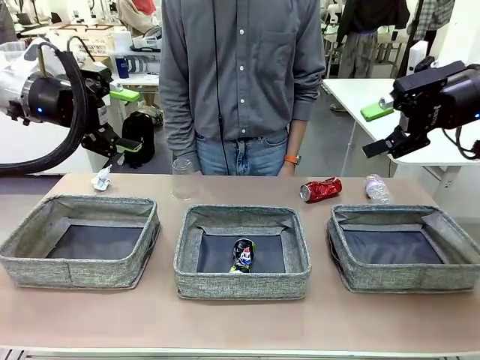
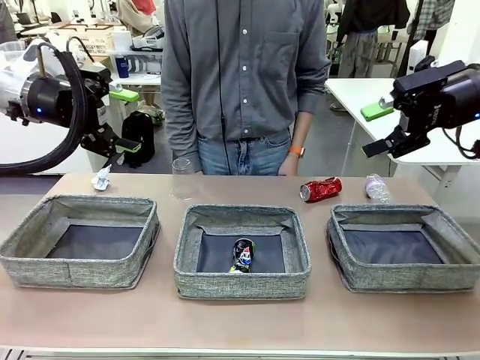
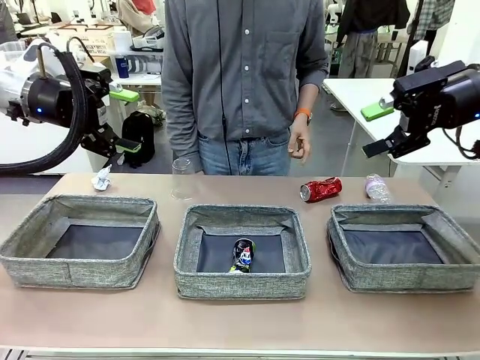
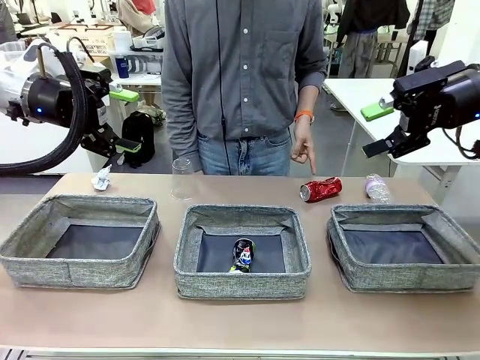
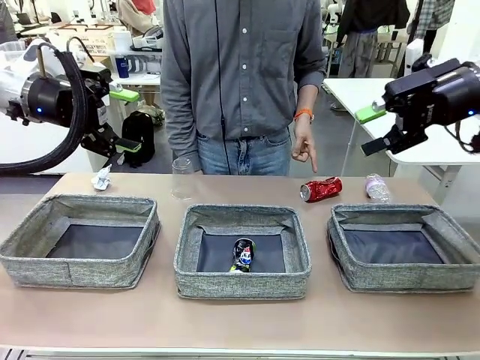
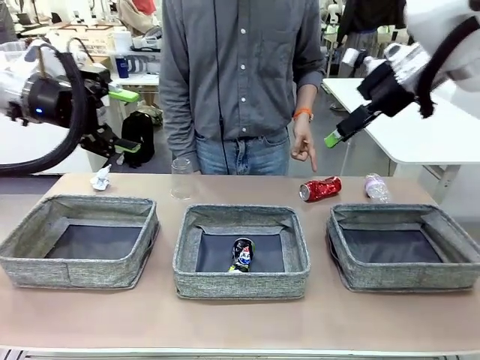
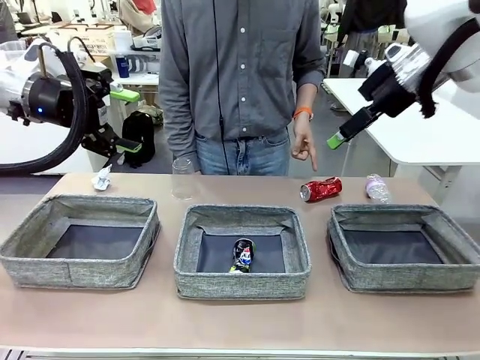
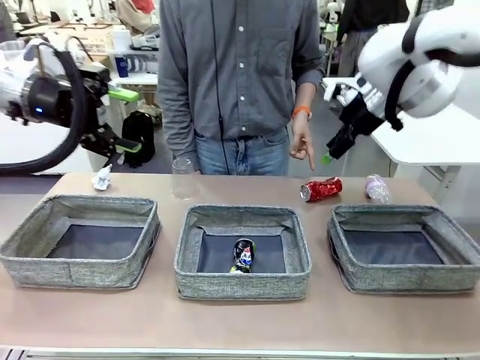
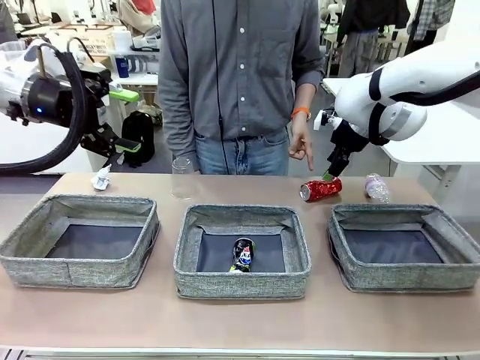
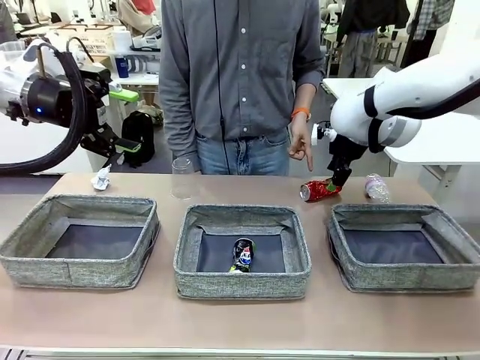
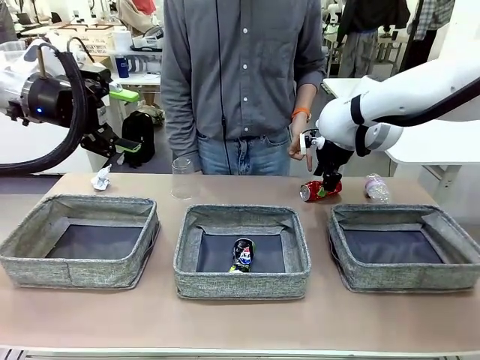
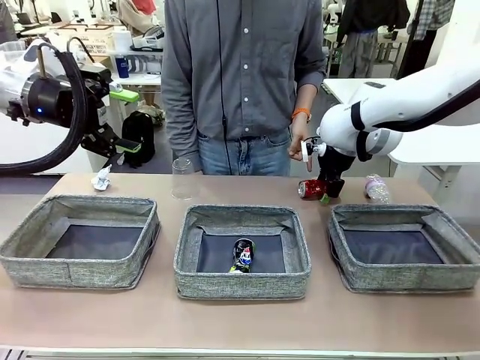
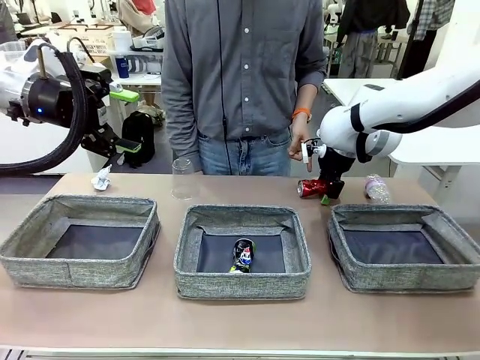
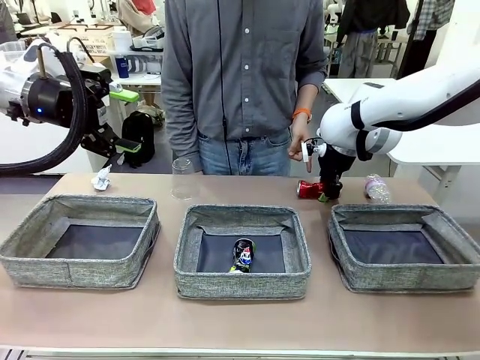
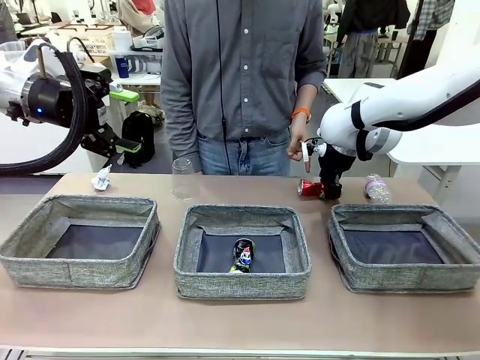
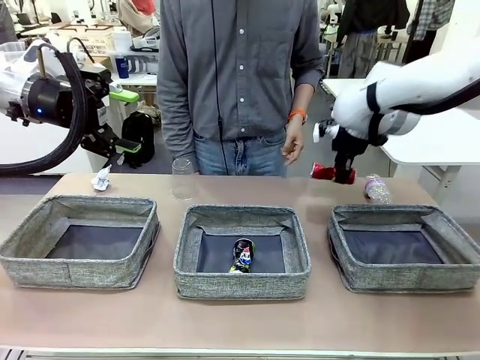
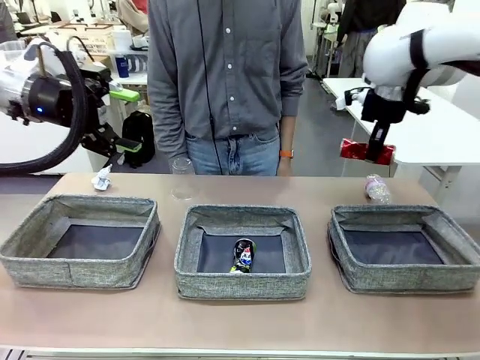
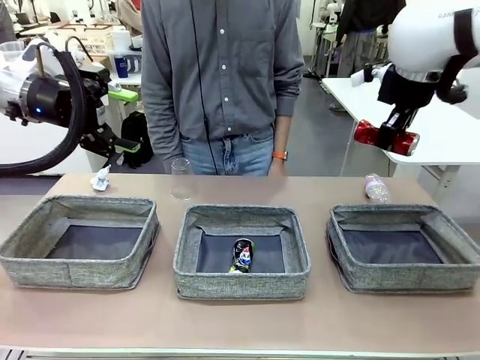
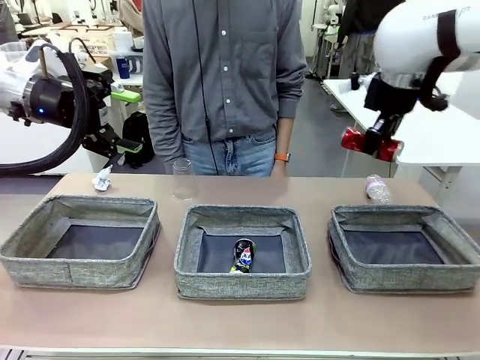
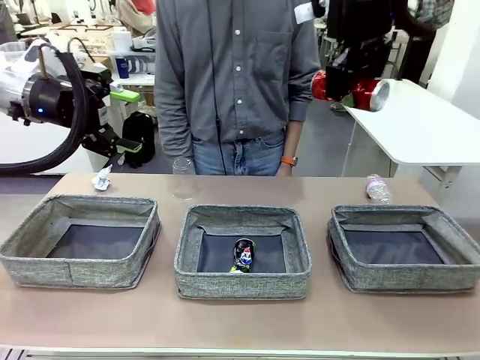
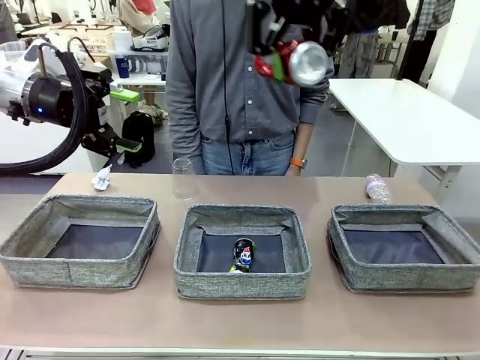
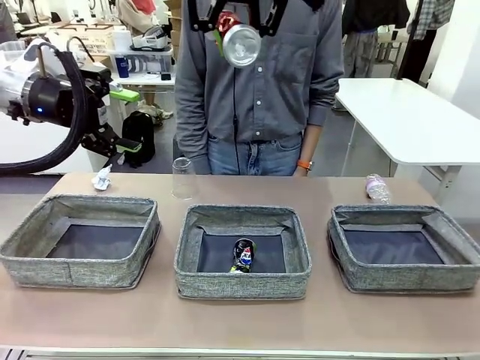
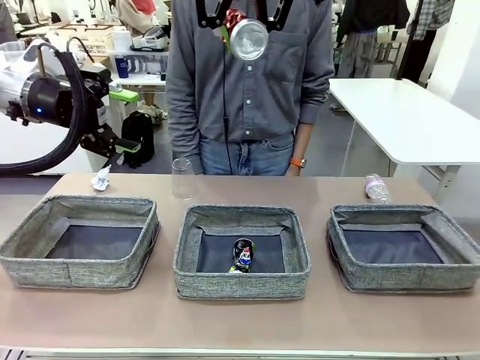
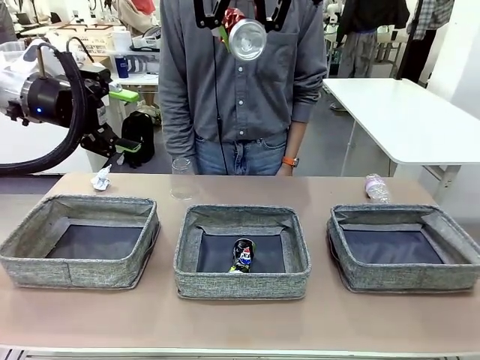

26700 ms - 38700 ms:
Task: Sort the waste into the appropriate baskets.
Robot: Pick up the waste item pointed out by the person.
Person: Points to one piece of trash on the table.

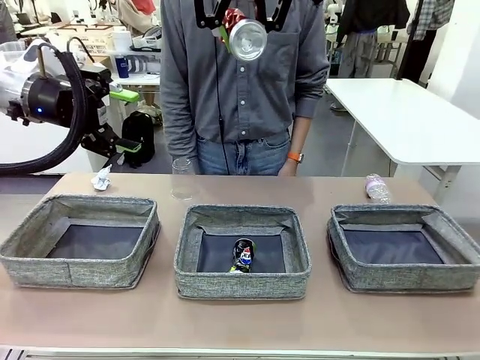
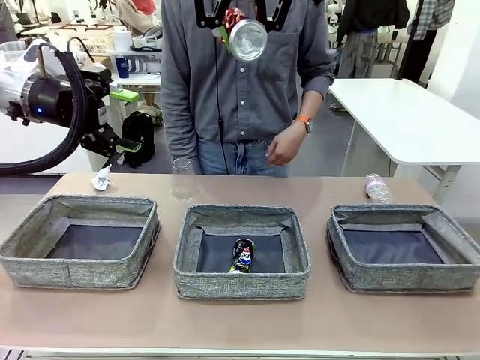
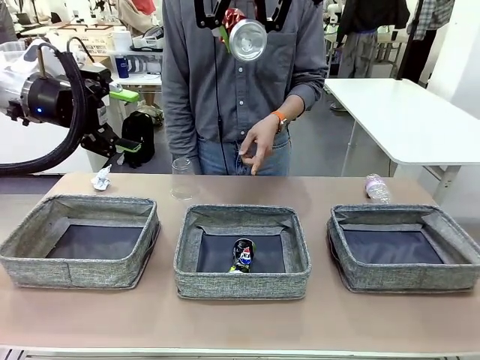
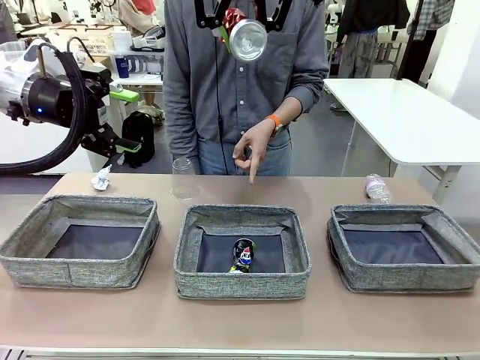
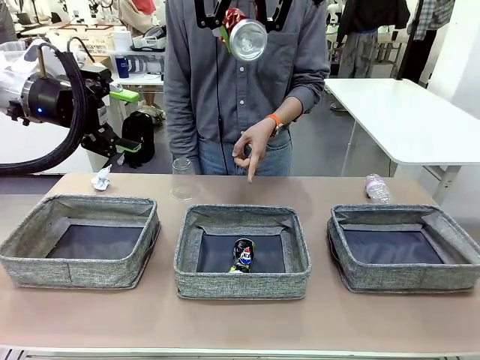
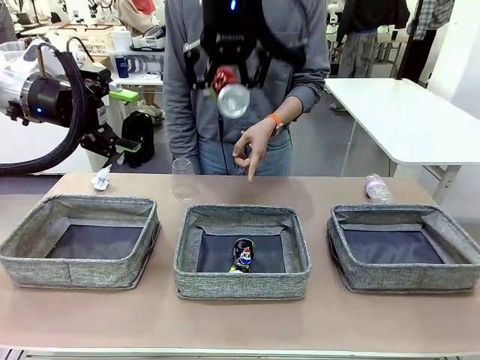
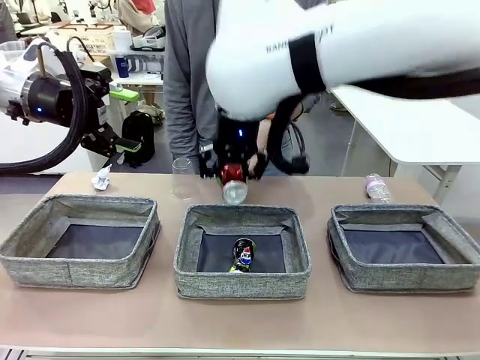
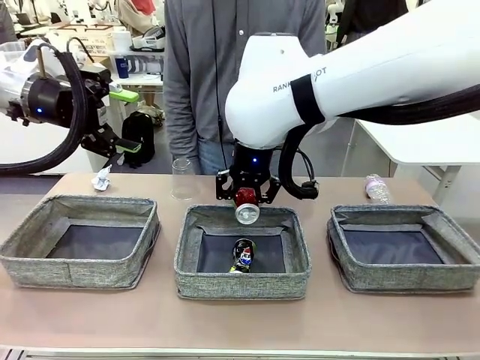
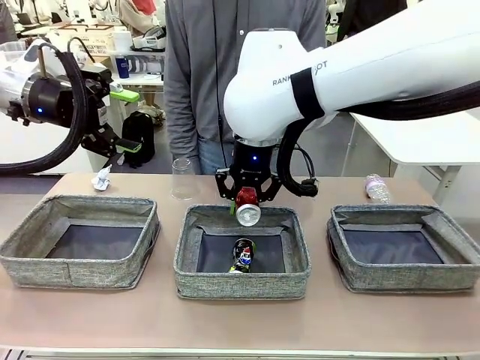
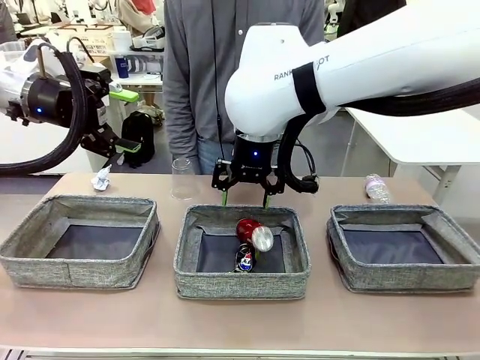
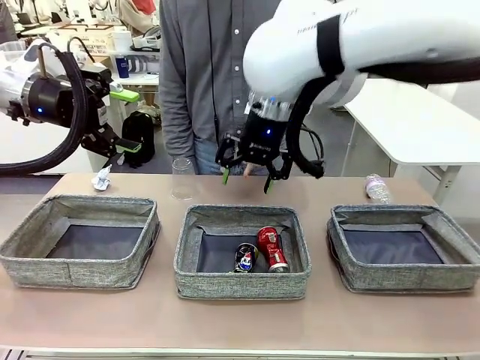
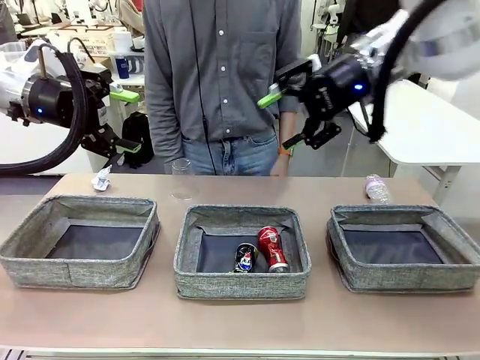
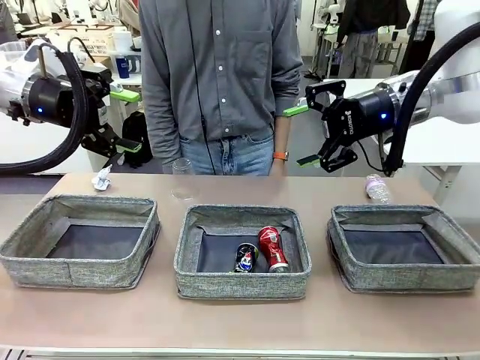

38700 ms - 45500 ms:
Robot: Place the picked waste into the Fabric basket indicated by the person.
Person: Instructs the robot to place the picked-up trash into the appropriate organizing basket.

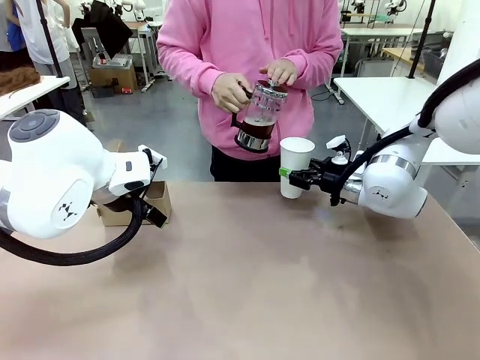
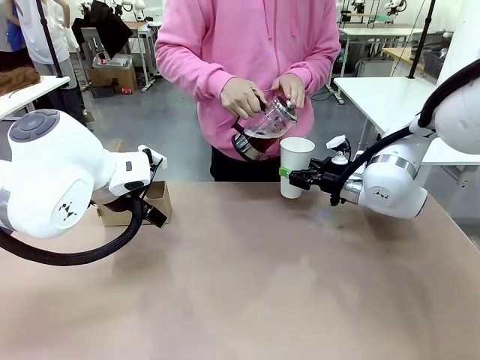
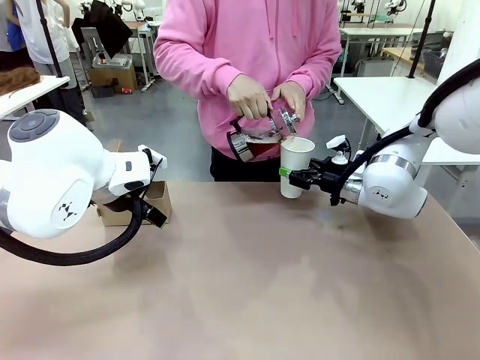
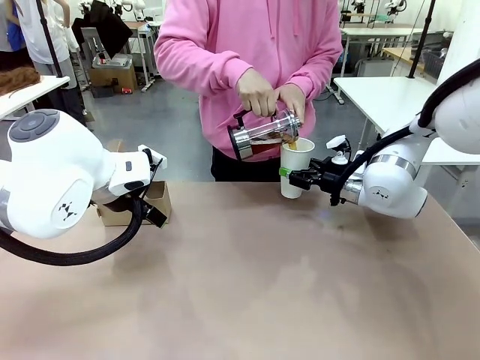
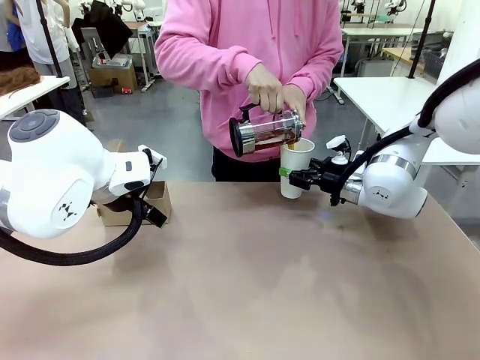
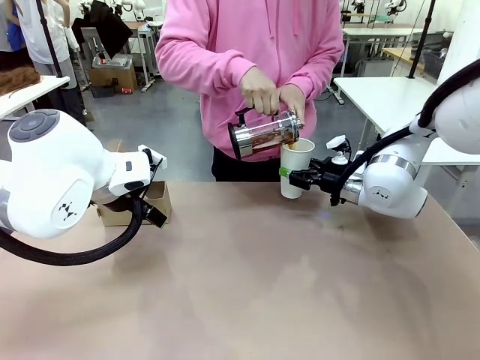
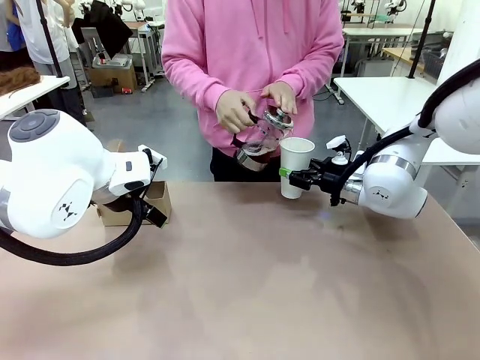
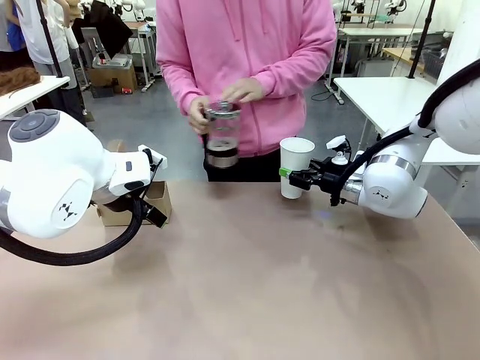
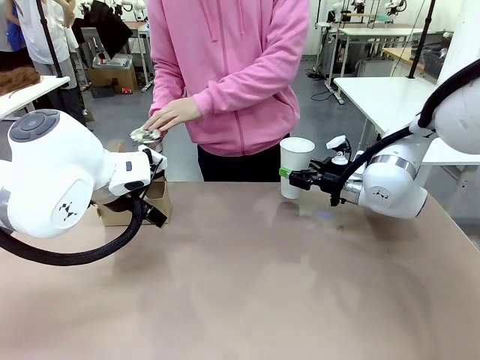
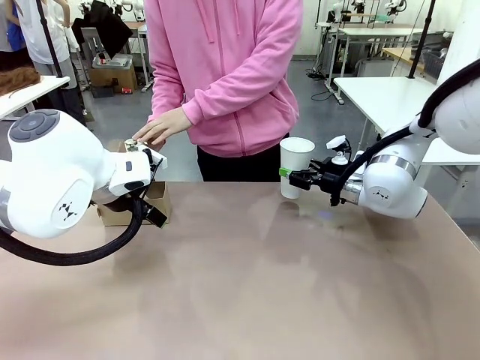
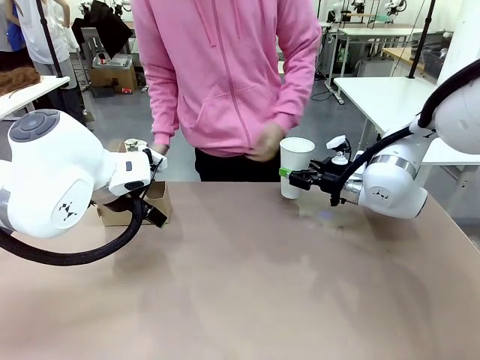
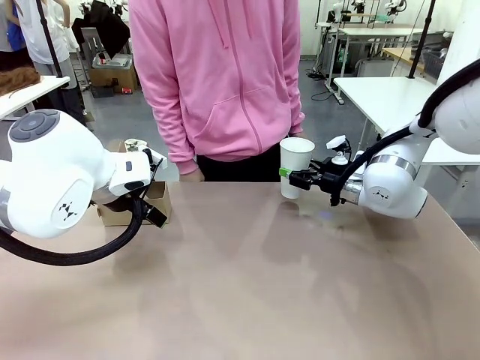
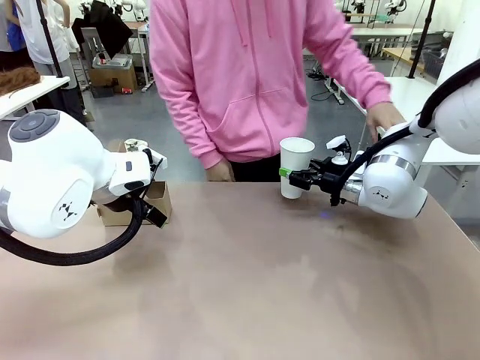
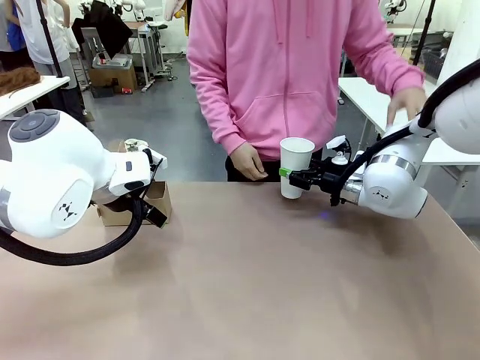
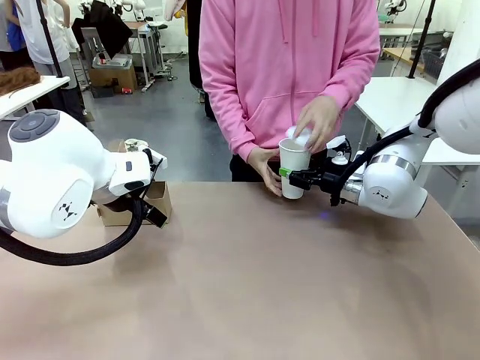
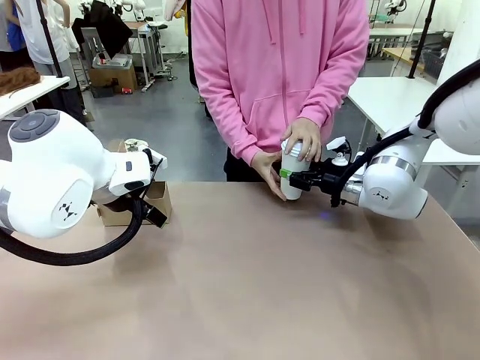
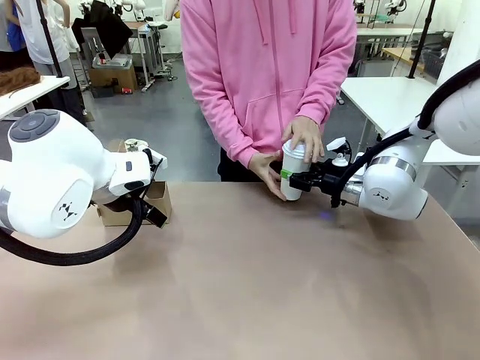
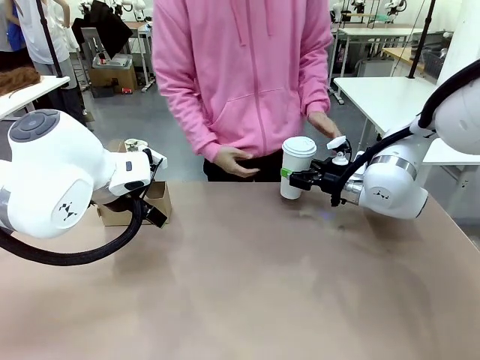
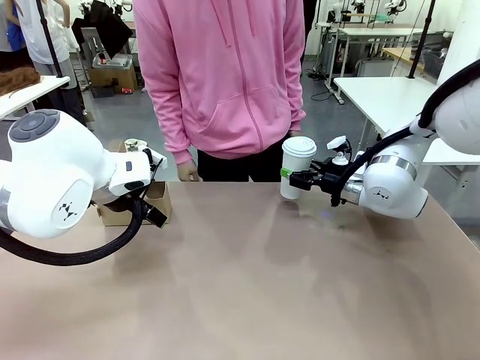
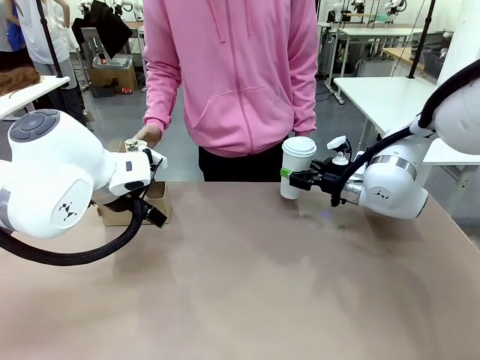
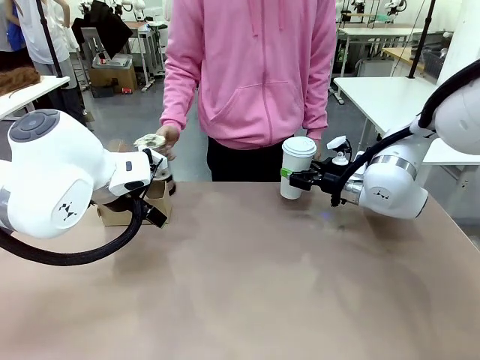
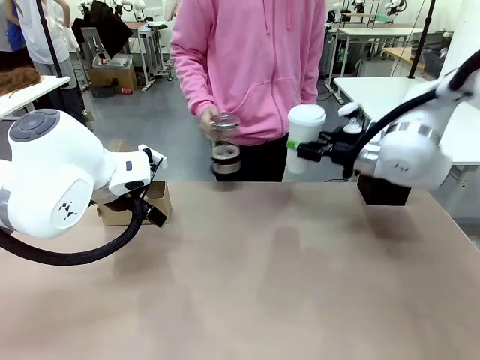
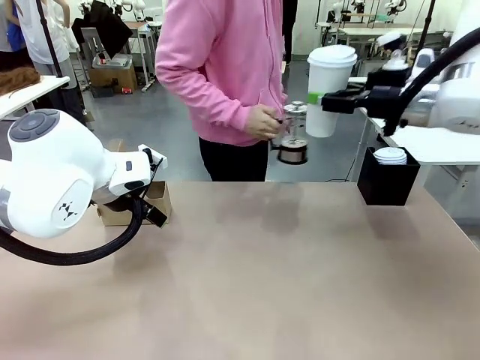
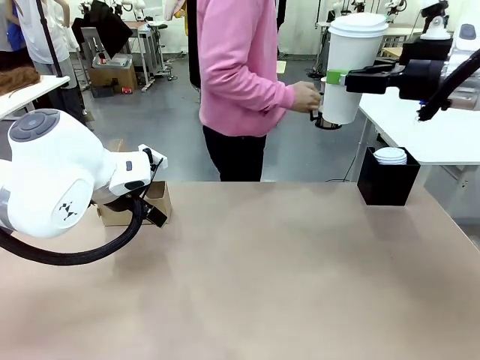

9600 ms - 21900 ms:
Task: Pour a drink into a cup and package it in a carrier.
Robot: When a person places the Paper Cup Lid on the 600 ml Paper Cup , lift the 600 ml Paper Cup.
Person: Pour the drink from the Filter Brewing into the 600 ml Paper Cup. Place a Paper Cup Lid on the 600 ml Paper Cup.
